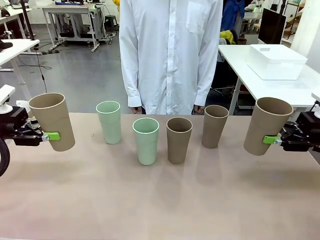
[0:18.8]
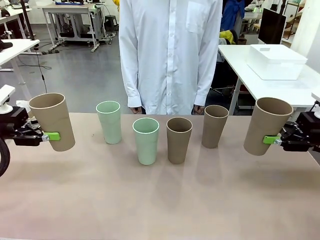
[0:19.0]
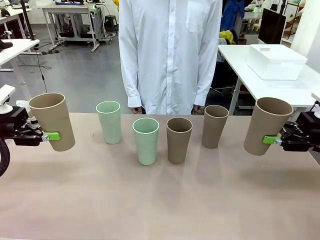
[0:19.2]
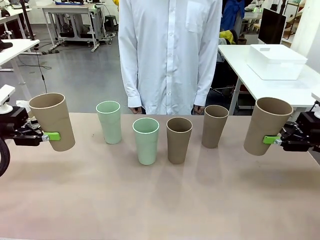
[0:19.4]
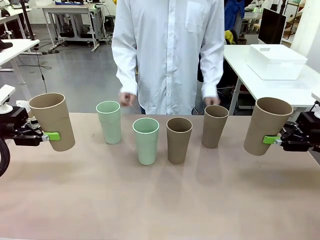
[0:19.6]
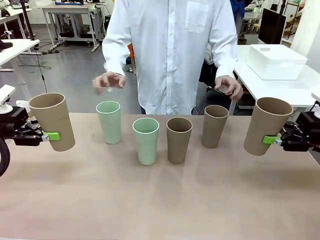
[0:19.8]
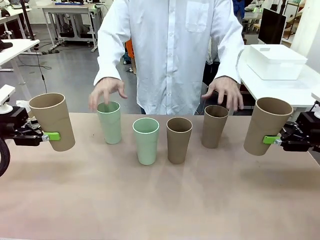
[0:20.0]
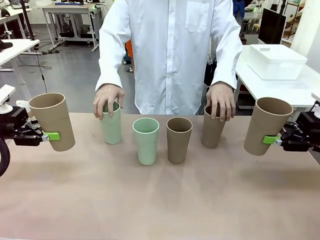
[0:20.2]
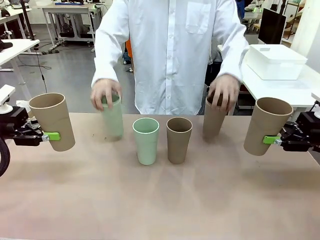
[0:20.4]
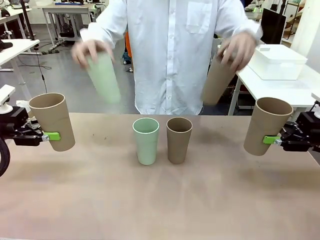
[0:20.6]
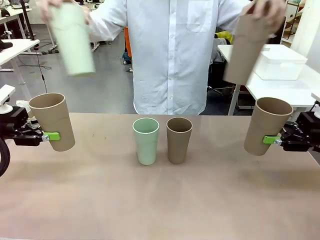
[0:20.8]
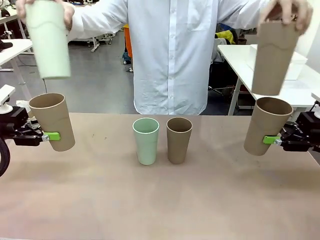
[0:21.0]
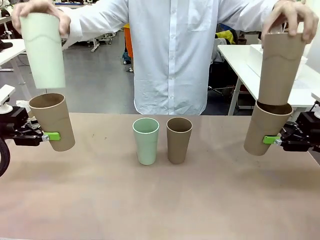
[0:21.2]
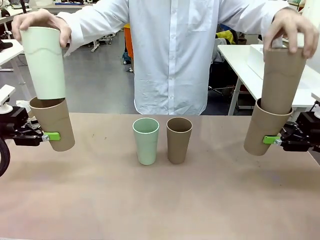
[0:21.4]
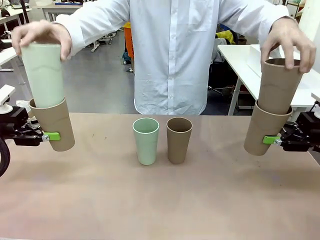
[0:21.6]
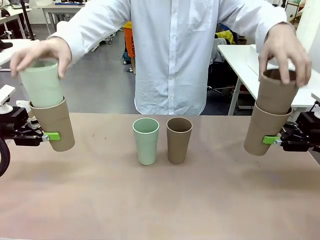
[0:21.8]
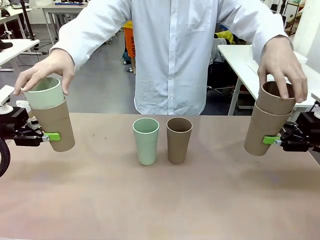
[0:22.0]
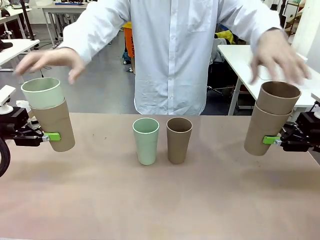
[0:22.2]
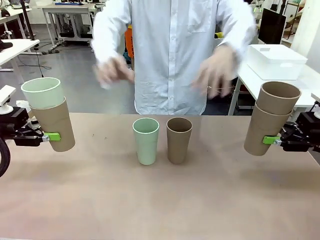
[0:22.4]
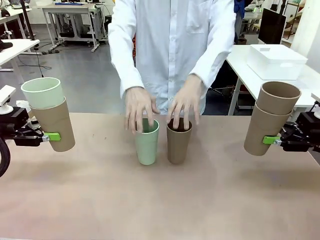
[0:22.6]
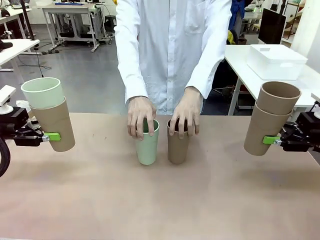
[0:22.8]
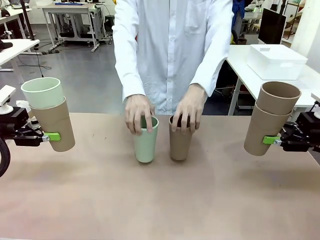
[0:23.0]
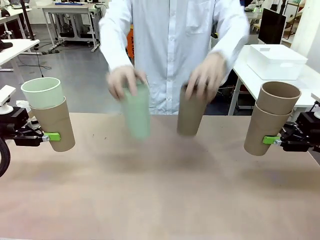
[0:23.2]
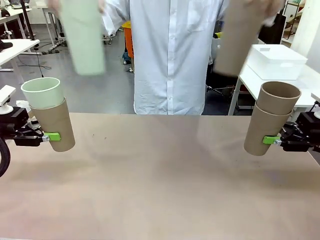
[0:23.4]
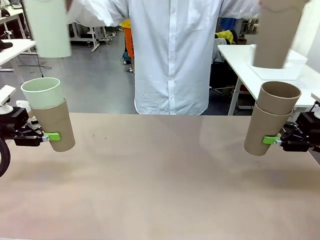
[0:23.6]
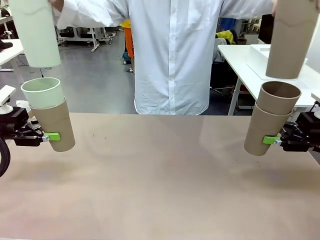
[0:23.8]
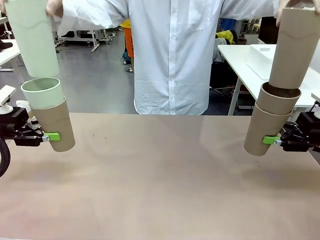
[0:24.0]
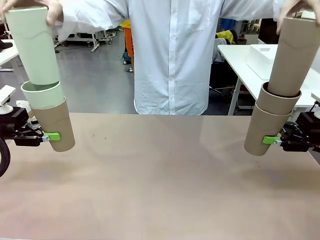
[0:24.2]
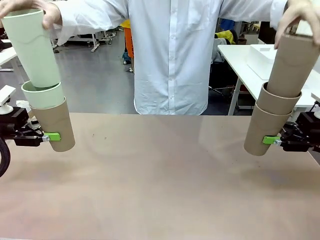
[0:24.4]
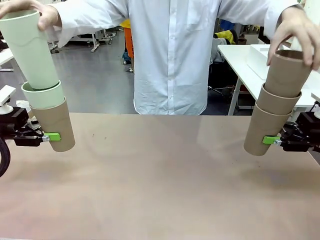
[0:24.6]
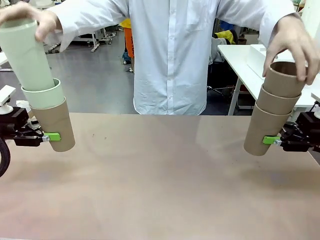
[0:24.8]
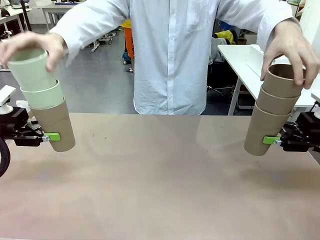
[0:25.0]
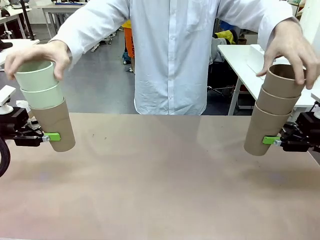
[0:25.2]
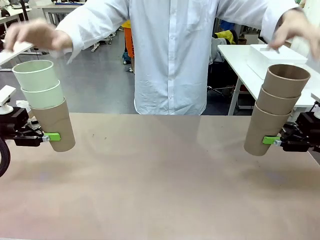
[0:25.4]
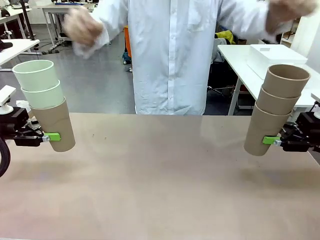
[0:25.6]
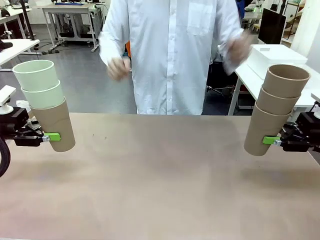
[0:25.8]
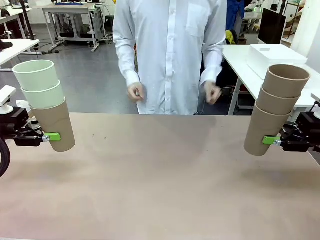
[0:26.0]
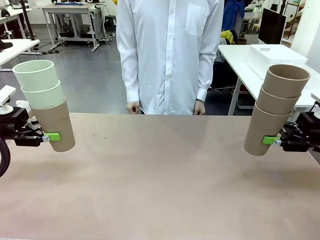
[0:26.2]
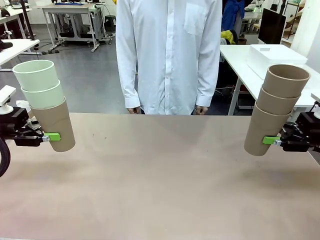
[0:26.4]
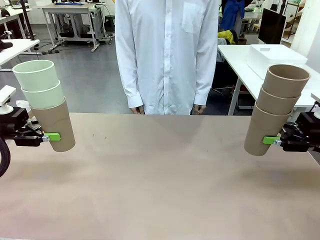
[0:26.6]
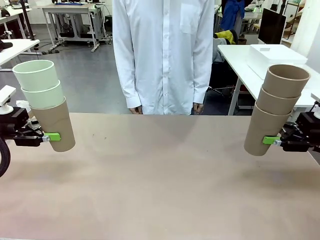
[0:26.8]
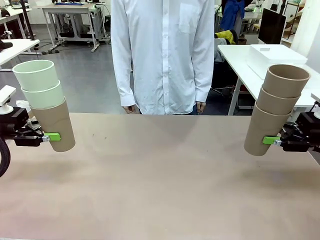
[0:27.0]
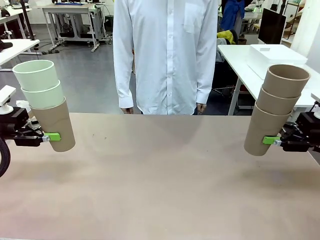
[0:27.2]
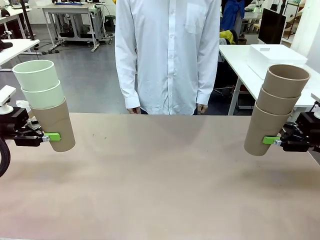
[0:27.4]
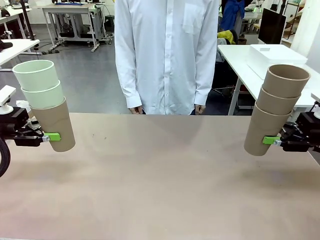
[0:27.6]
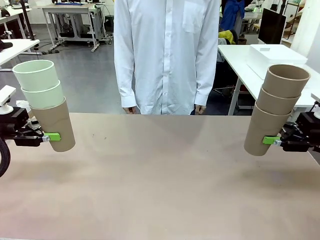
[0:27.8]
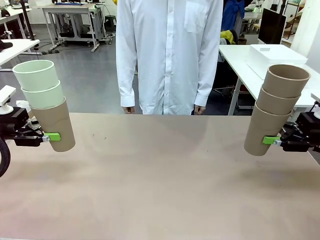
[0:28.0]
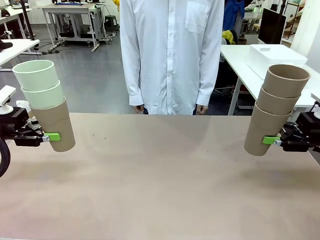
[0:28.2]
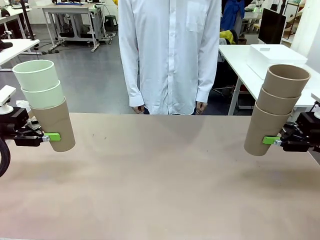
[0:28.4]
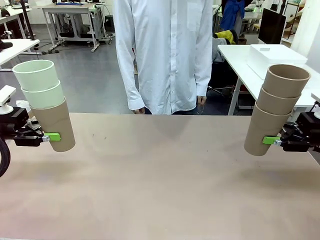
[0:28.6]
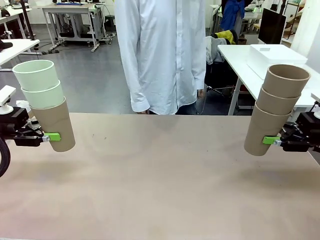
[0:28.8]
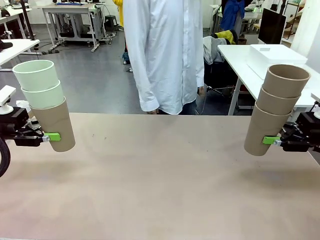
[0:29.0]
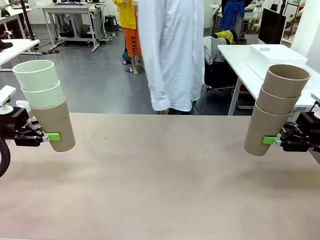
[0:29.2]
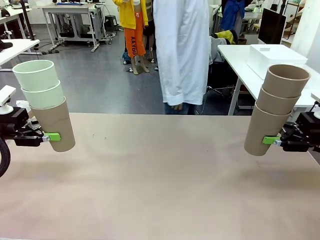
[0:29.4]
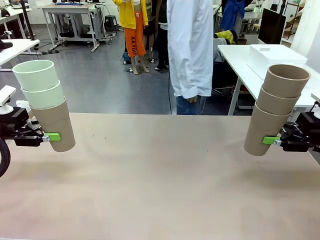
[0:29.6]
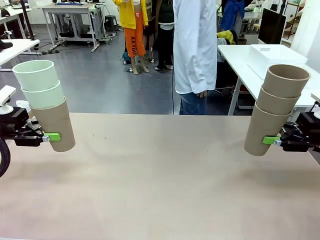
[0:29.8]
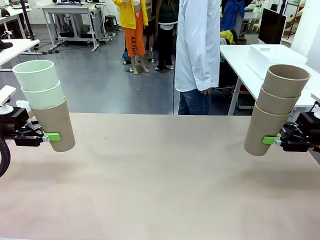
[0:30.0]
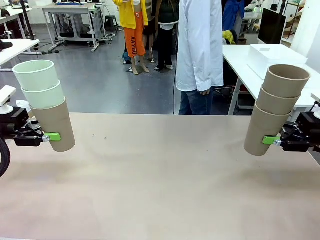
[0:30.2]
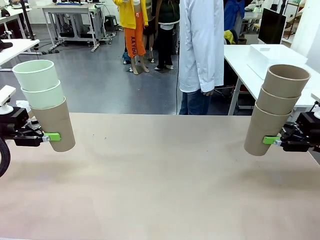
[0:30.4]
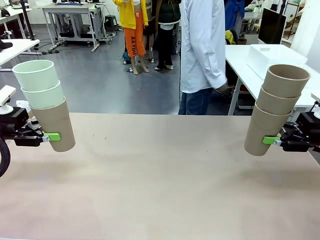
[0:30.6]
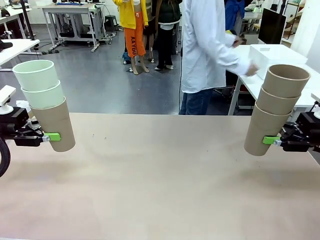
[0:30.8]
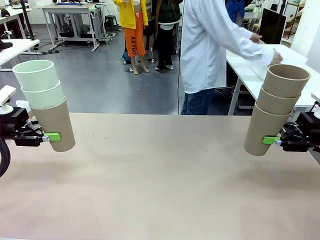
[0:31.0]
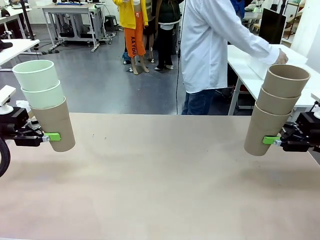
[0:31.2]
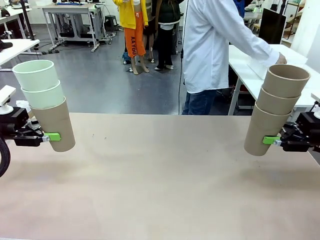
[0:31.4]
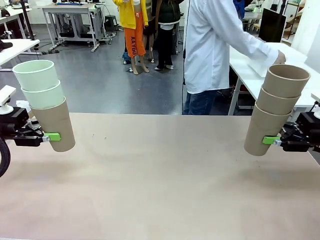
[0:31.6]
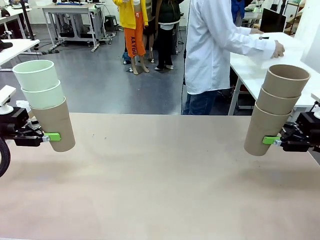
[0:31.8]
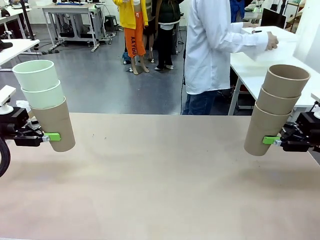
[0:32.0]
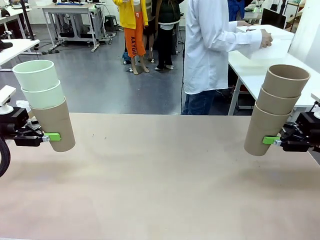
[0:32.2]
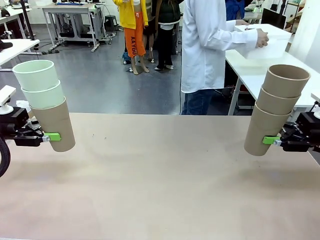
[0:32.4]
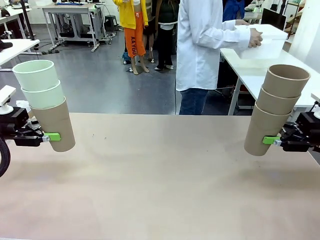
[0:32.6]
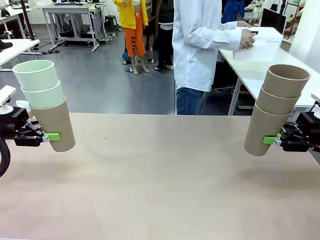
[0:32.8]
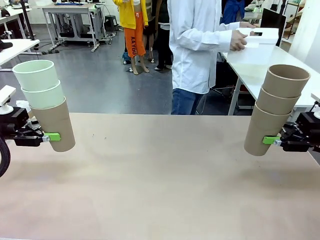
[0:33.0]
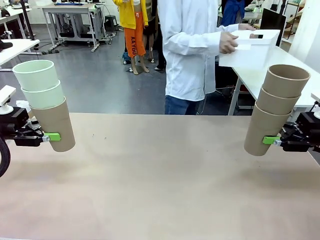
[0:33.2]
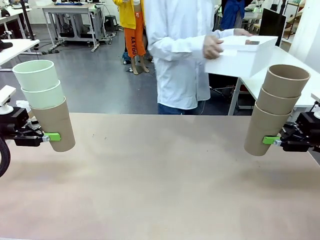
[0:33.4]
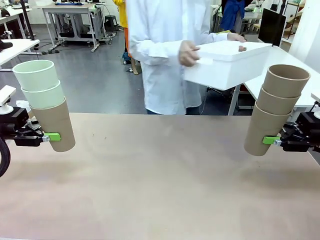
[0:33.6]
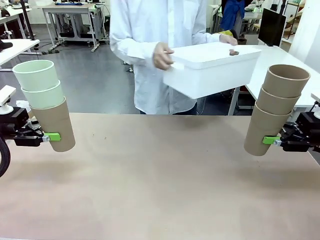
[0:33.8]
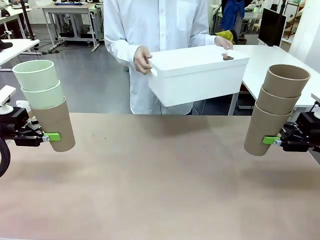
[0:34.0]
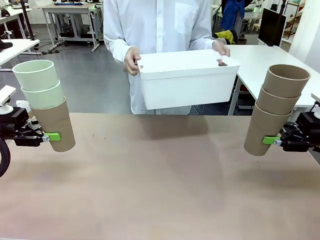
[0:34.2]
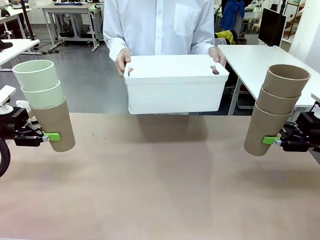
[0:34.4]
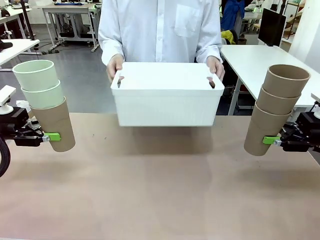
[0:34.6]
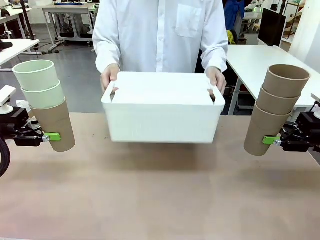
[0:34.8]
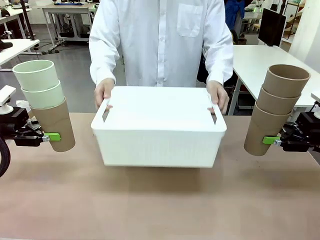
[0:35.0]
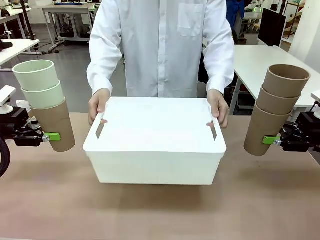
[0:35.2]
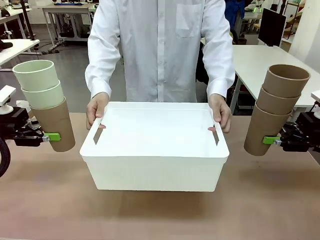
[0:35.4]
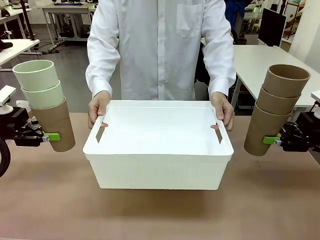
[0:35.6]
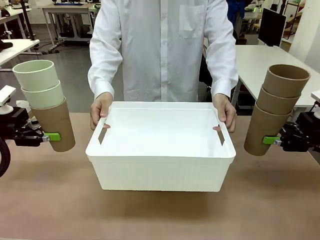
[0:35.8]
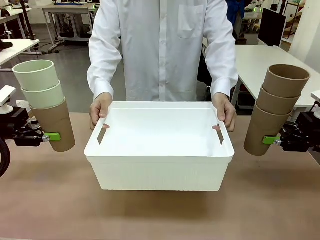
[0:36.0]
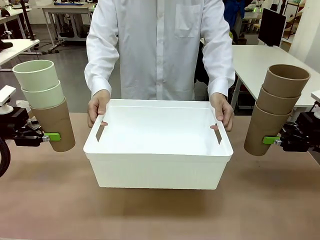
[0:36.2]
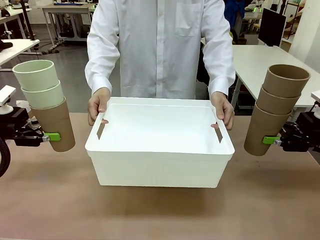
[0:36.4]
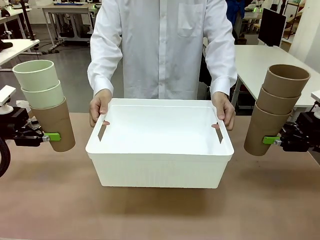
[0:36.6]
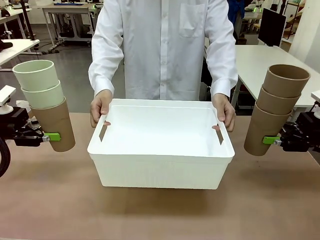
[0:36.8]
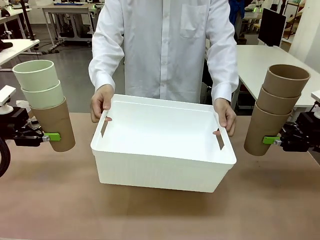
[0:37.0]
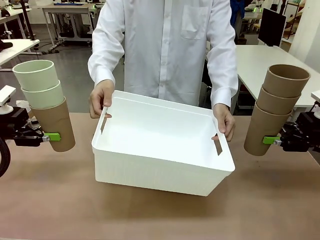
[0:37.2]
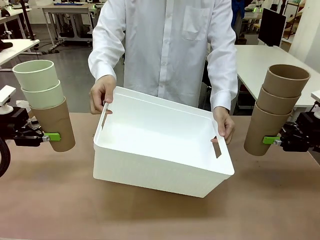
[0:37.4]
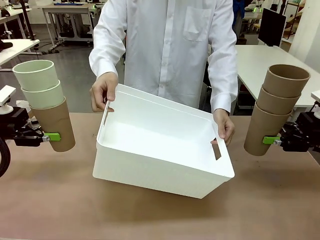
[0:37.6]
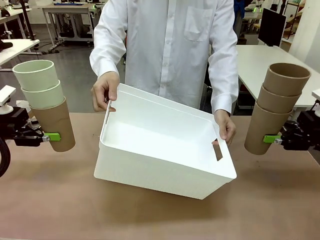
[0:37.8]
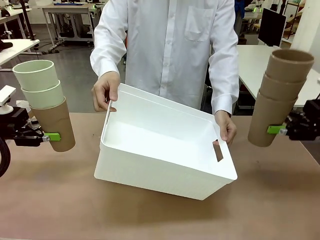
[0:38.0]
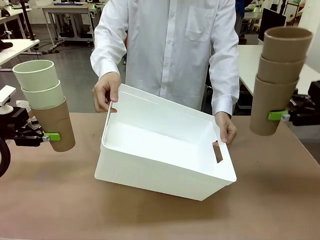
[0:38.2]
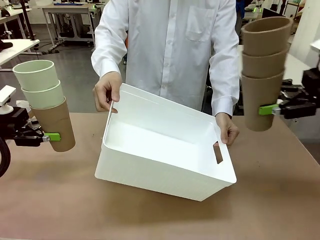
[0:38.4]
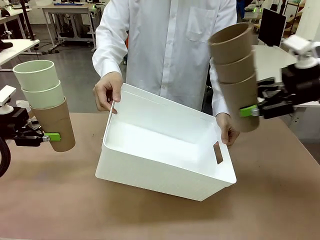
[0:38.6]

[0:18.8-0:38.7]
Task: Stack the cups and store them in the basket.
Robot: Place the stack of Reusable plastic cups into the Pantry Basket.
Person: Pick up the basket from the Human Table, bring it to the front of the robot, and present it.
